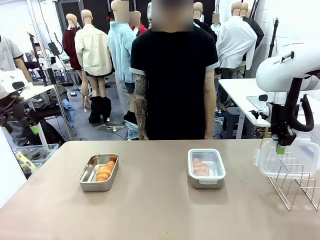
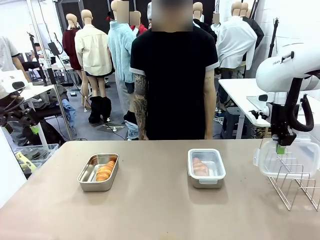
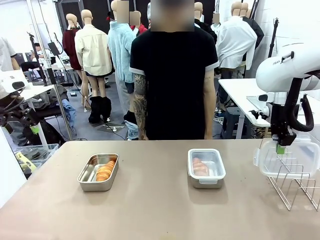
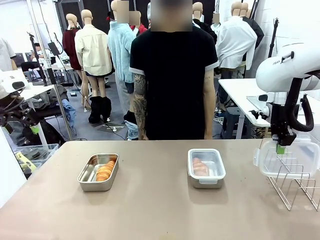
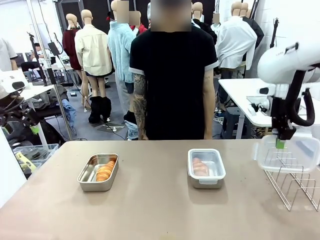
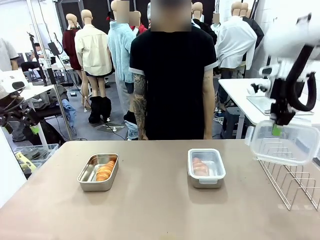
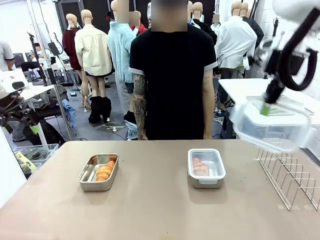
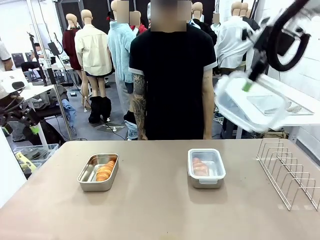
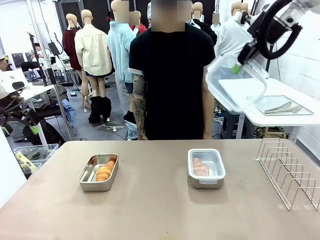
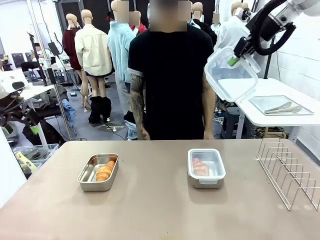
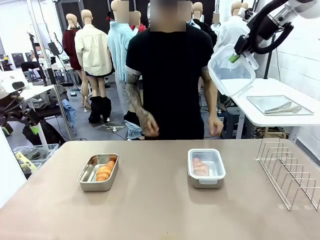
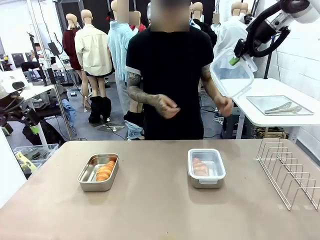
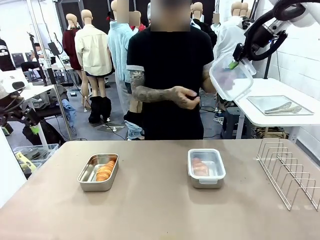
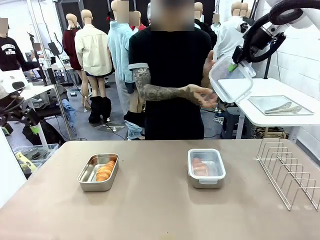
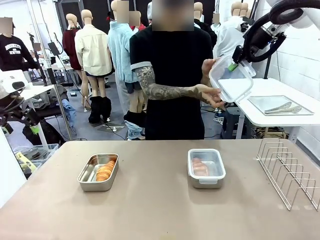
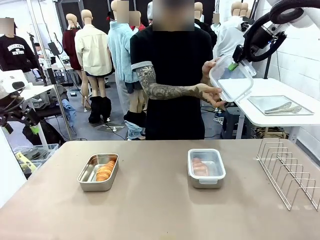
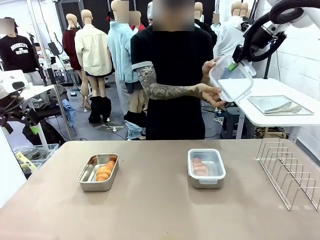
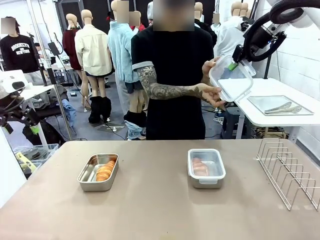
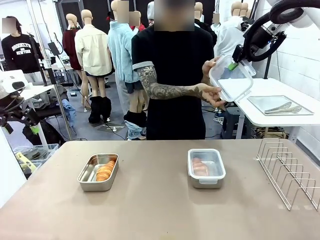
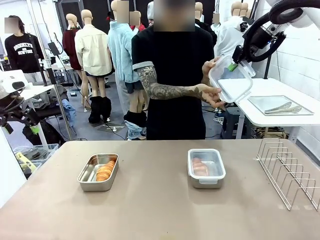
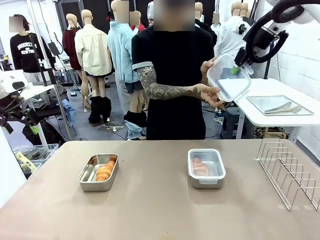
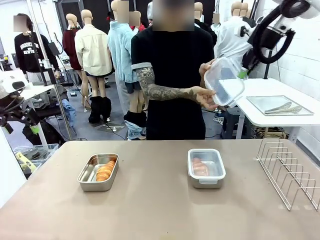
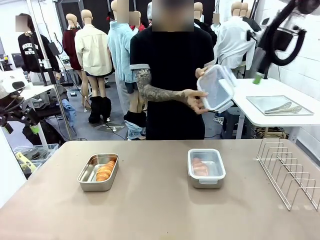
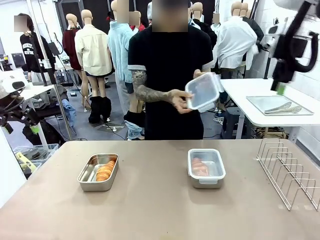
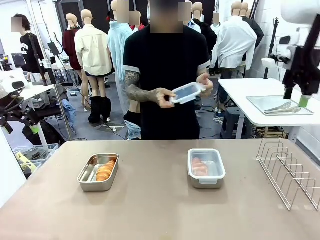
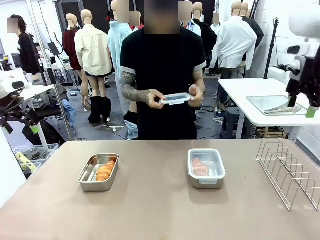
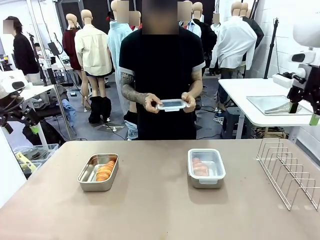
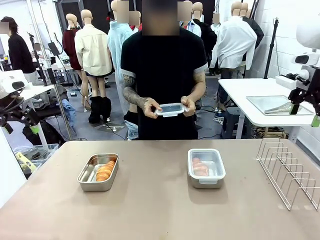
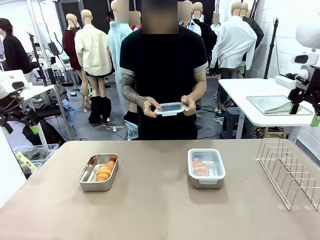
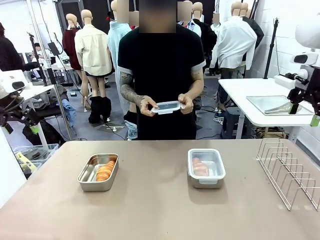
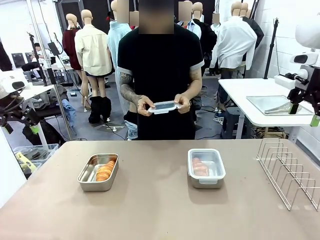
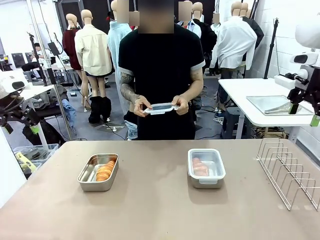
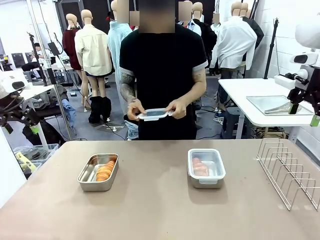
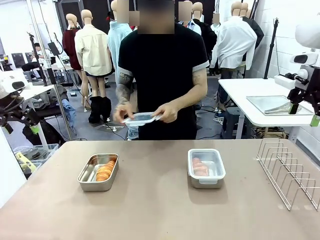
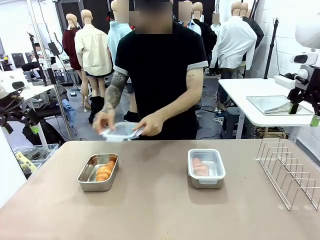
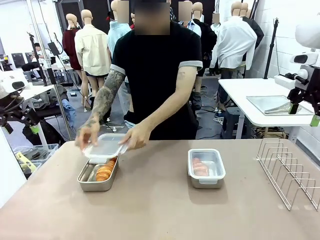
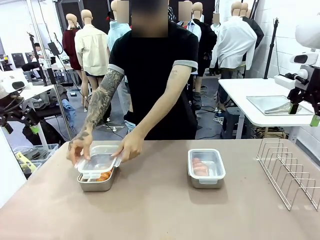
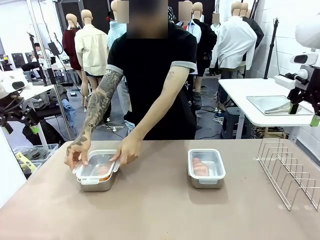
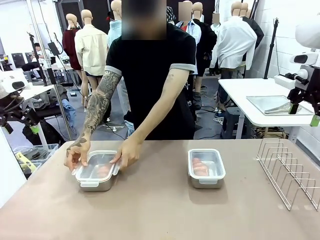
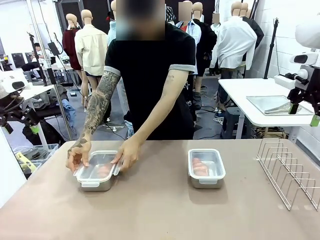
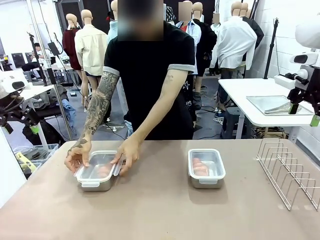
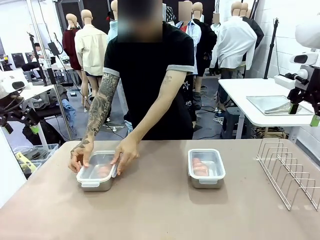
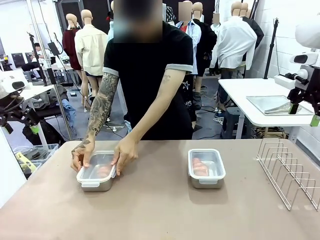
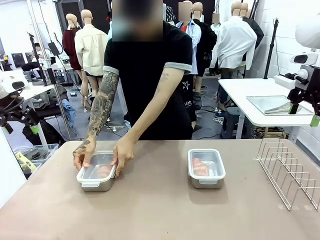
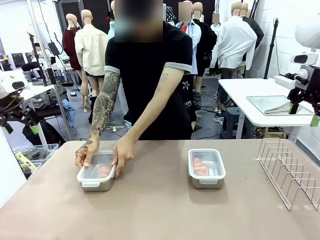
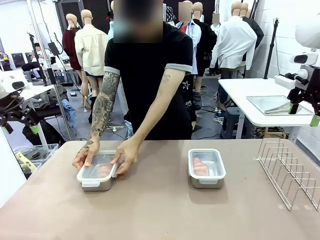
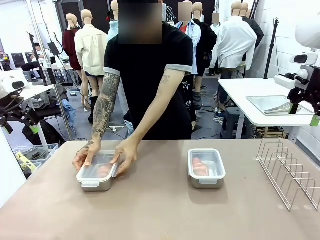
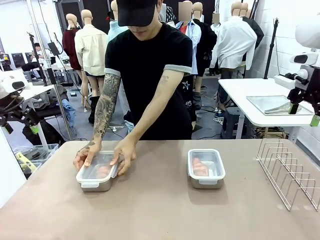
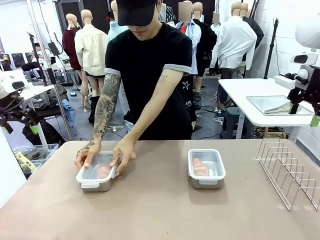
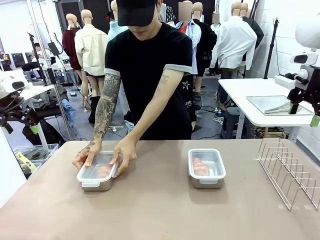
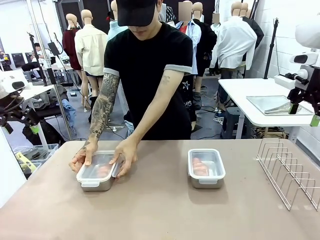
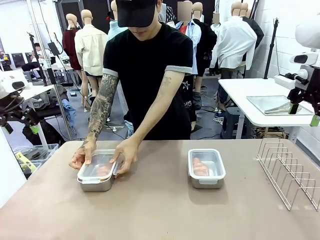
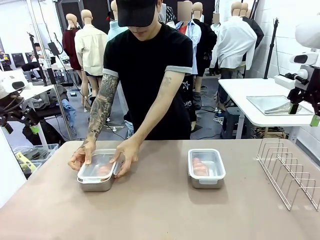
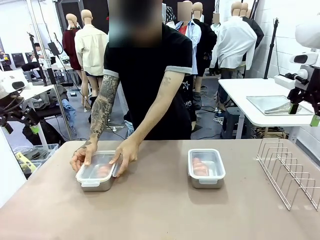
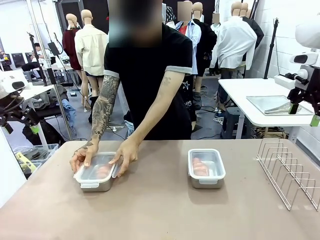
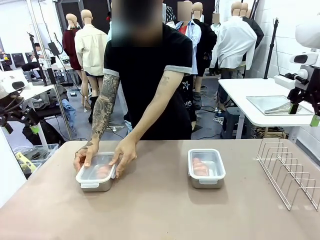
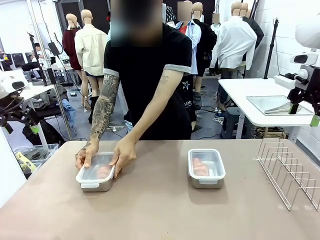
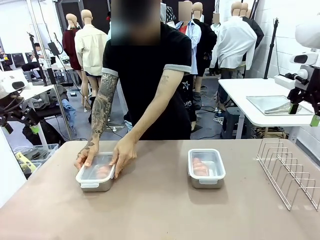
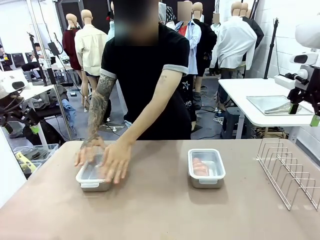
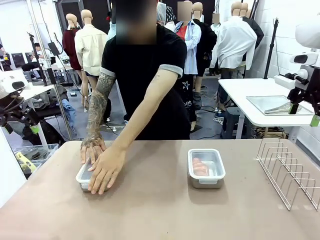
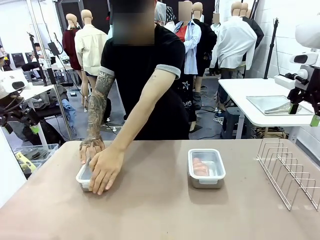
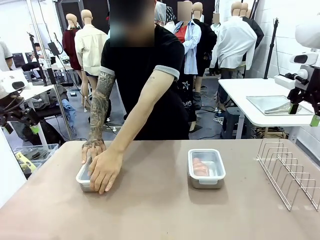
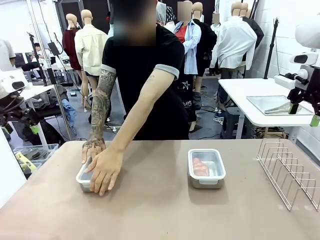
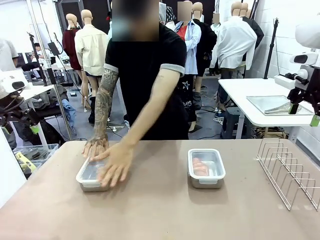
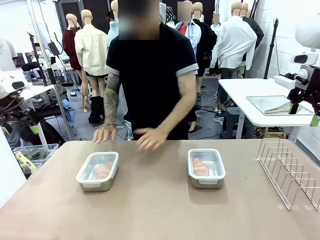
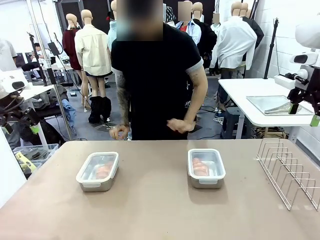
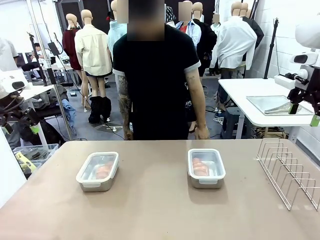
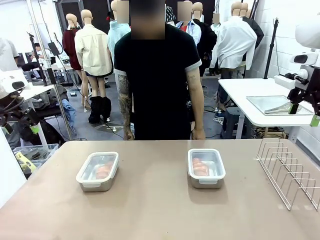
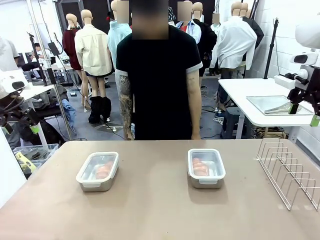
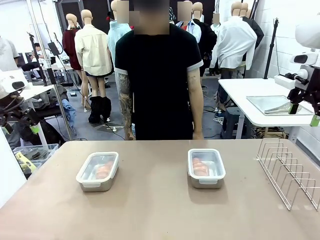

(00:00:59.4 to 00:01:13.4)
Task: Place the bread in airtight containers.
Robot: Release when the human grabs the Airtight Container lid.
Person: Grip Airtight Container lid that robot is handing. Close Airtight Container with a handed Airtight Container lid.

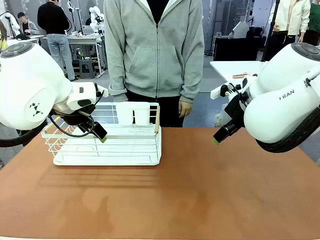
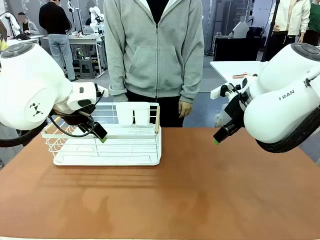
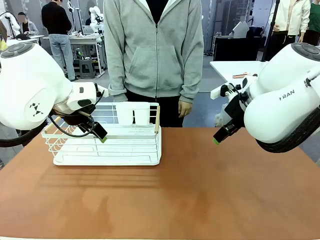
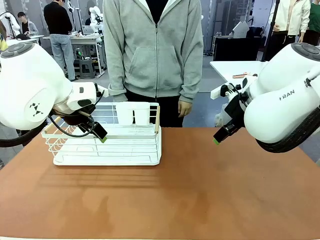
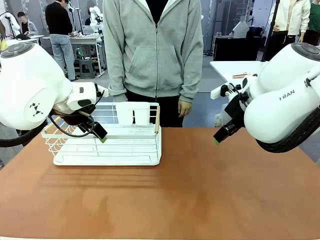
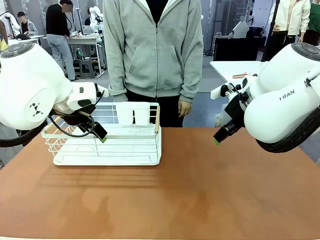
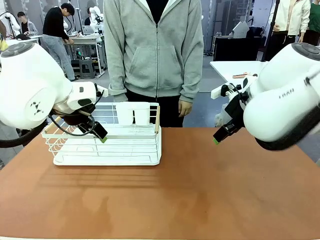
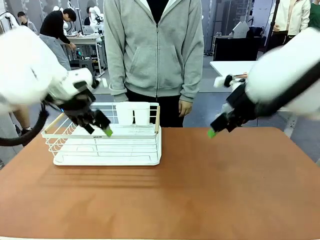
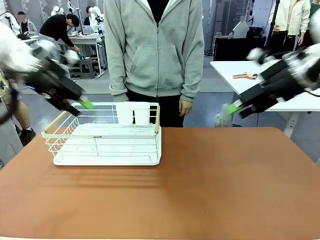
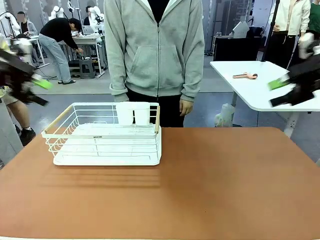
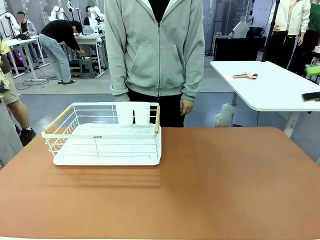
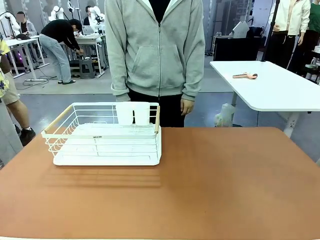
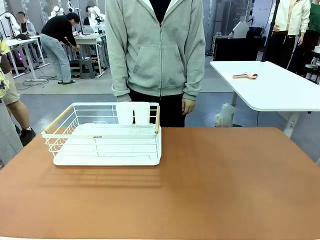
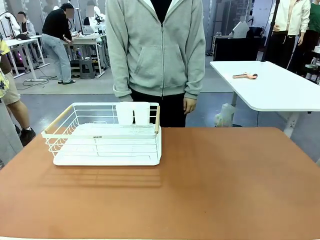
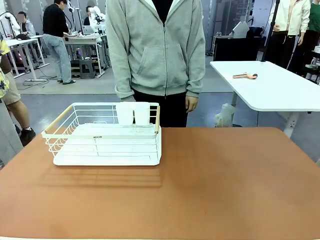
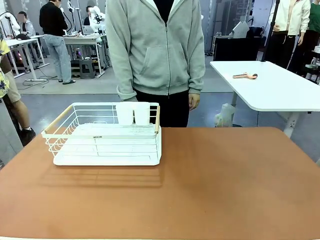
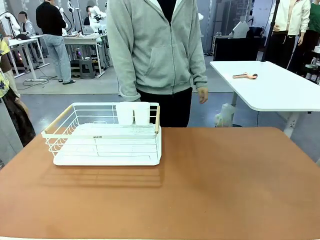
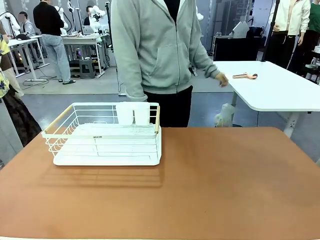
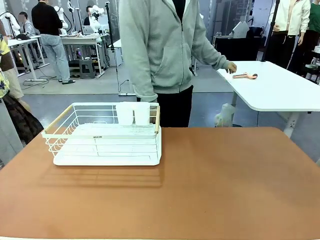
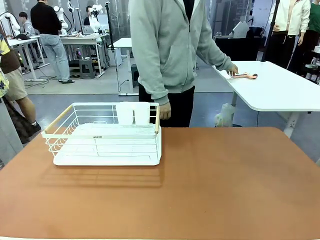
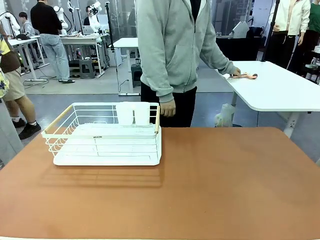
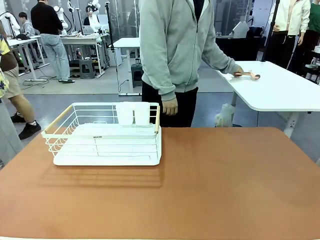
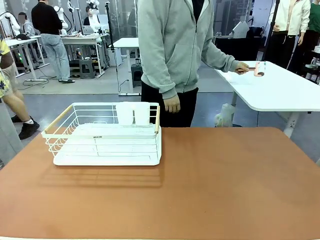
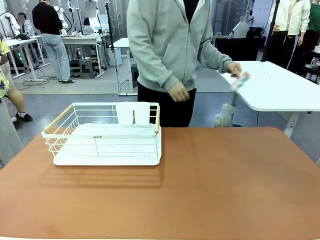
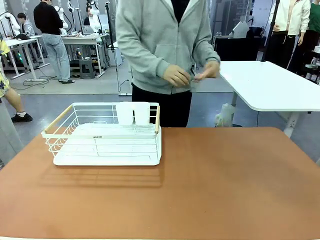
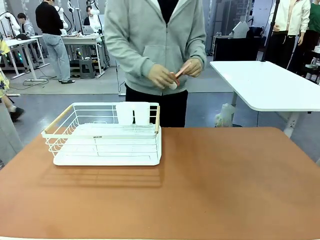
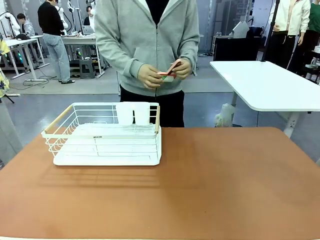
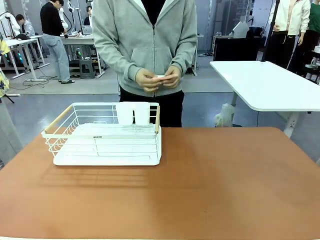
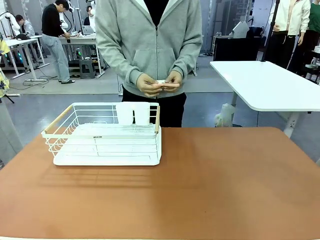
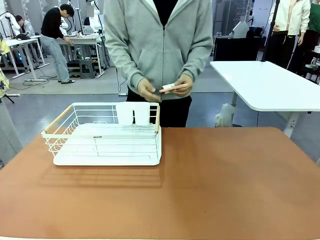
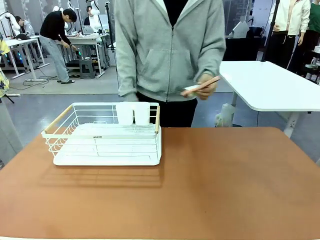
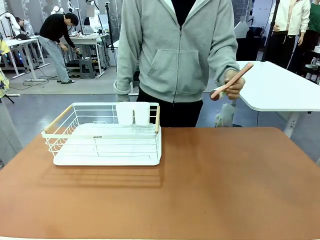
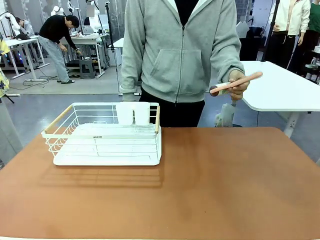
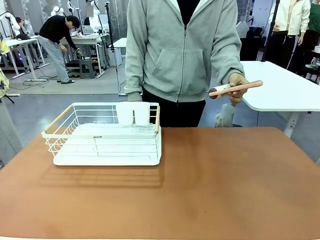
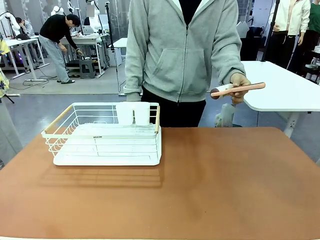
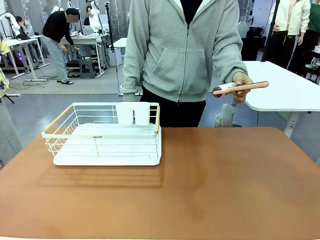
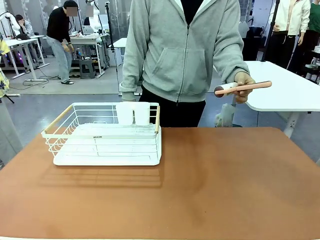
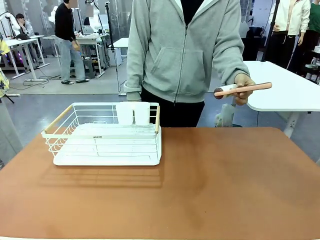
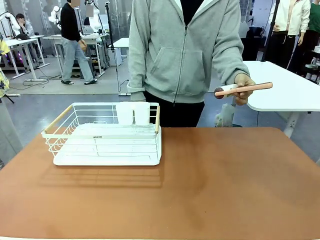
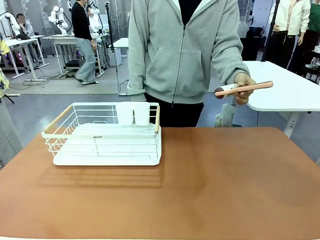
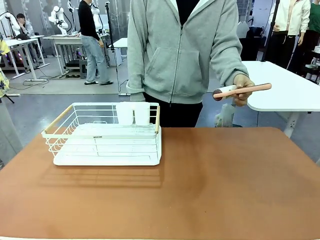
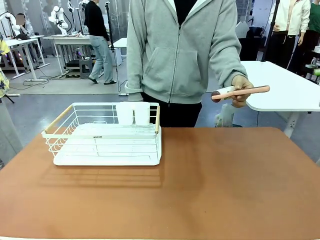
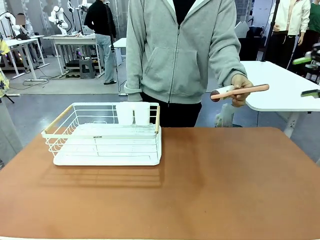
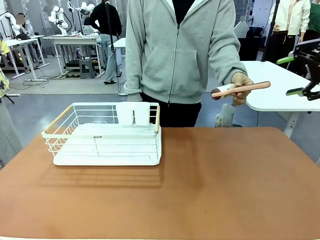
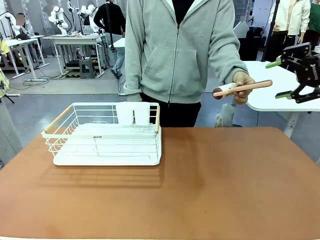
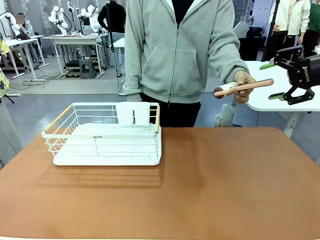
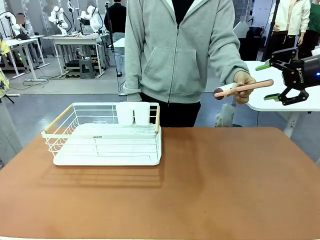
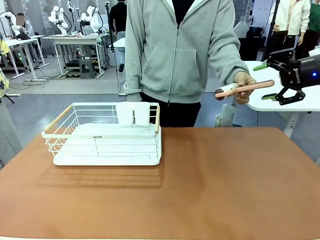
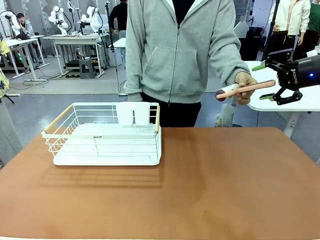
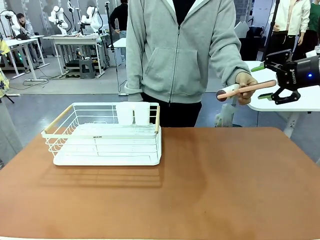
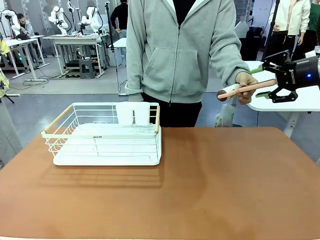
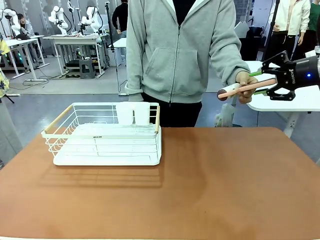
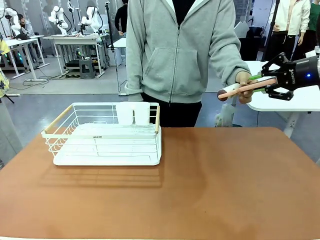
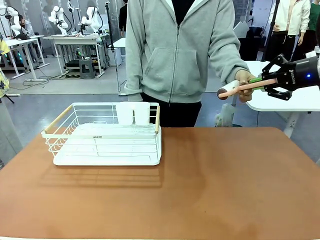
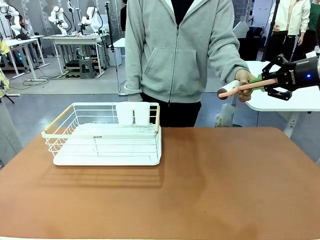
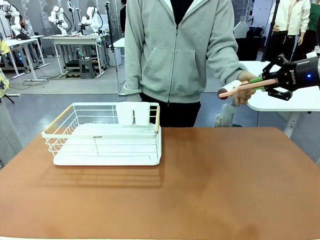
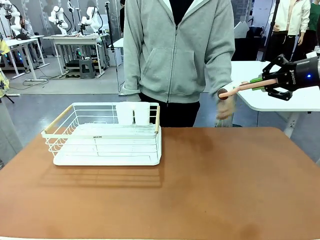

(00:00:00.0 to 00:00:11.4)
Task: Clean the table.
Robot: Pick up the Lint Roller when the human hands it over.
Person: Hand the Lint Roller to the robot so it can easily pick it up. Lift the Dish drying rack.
